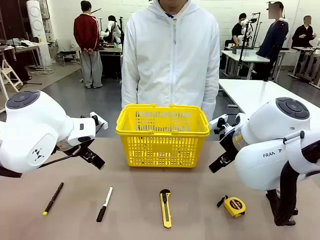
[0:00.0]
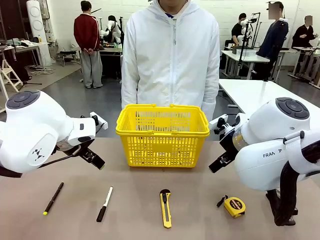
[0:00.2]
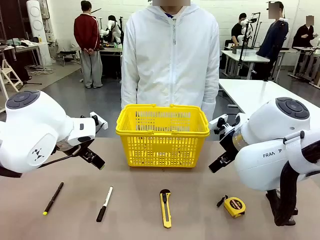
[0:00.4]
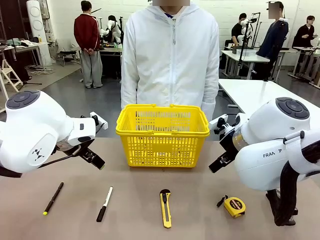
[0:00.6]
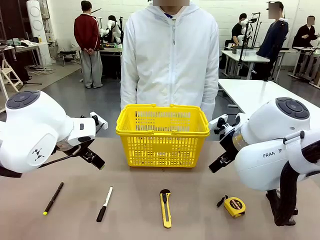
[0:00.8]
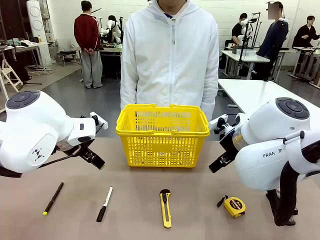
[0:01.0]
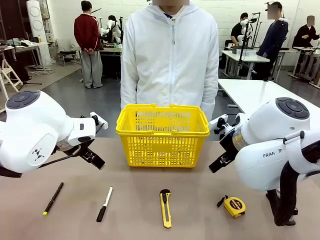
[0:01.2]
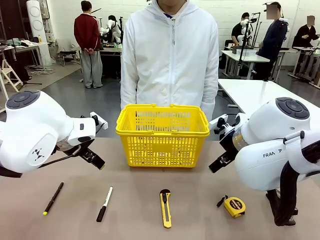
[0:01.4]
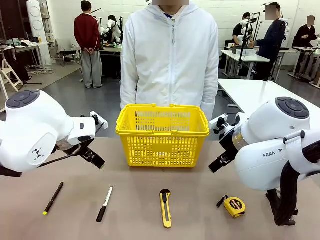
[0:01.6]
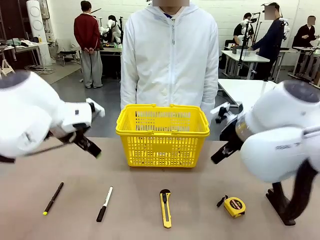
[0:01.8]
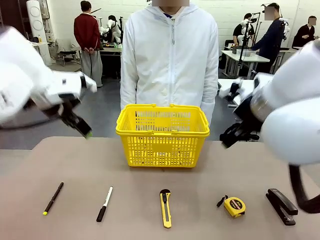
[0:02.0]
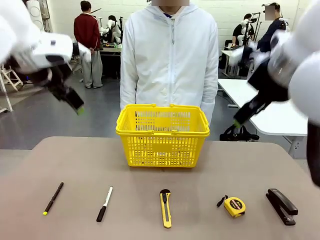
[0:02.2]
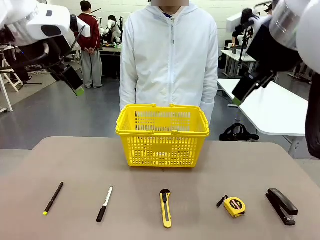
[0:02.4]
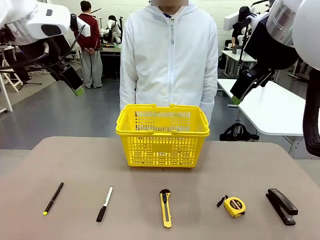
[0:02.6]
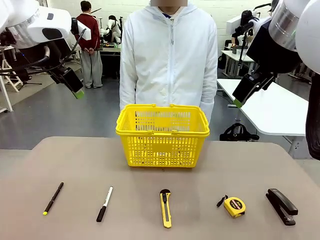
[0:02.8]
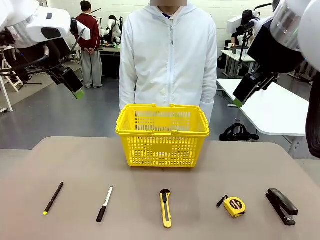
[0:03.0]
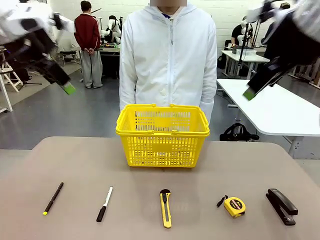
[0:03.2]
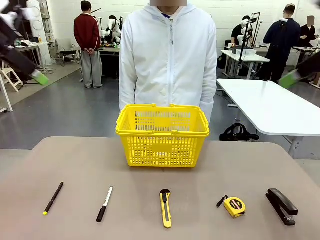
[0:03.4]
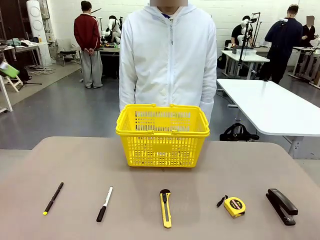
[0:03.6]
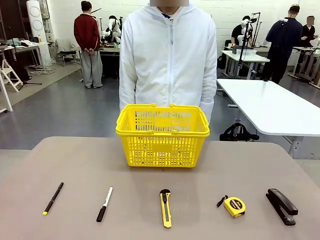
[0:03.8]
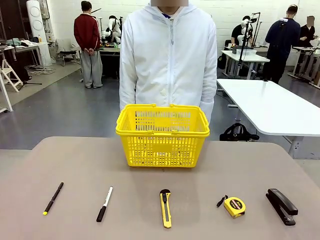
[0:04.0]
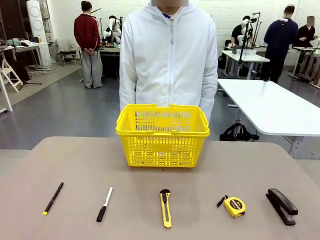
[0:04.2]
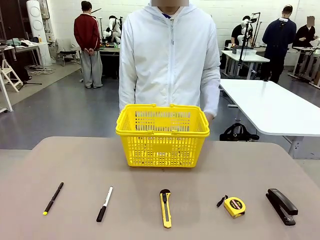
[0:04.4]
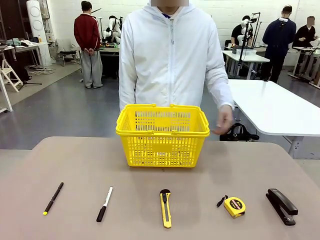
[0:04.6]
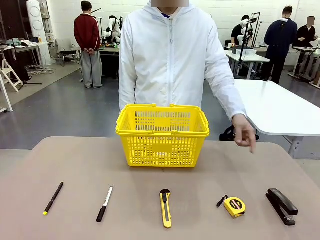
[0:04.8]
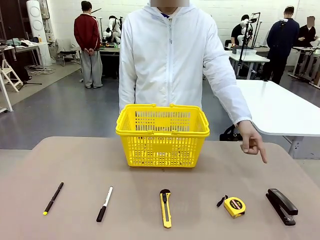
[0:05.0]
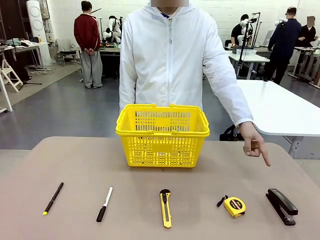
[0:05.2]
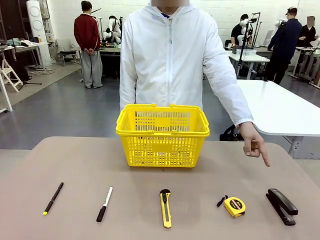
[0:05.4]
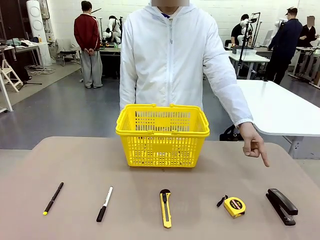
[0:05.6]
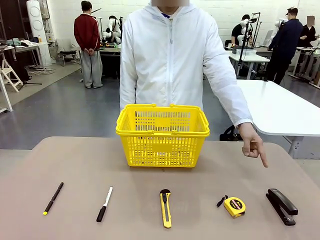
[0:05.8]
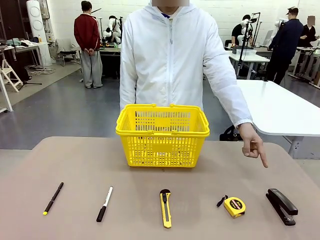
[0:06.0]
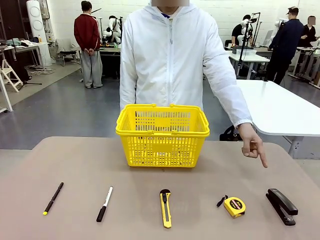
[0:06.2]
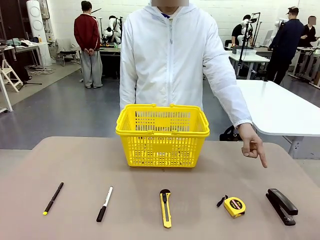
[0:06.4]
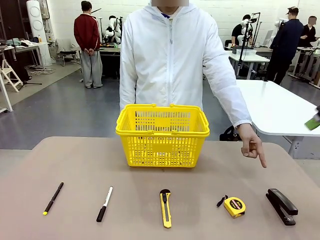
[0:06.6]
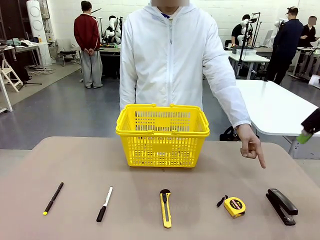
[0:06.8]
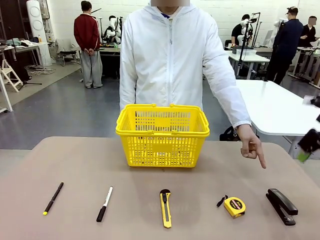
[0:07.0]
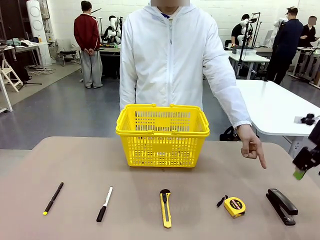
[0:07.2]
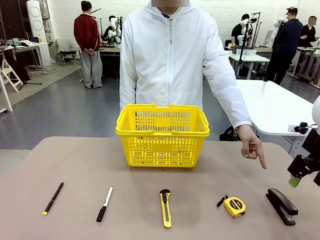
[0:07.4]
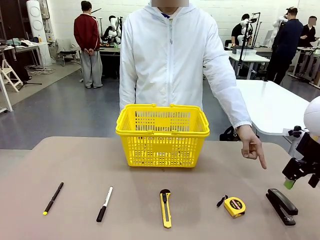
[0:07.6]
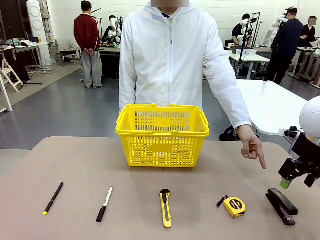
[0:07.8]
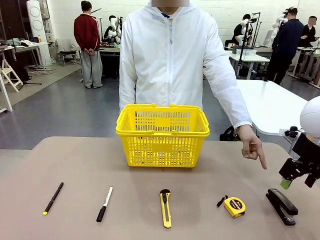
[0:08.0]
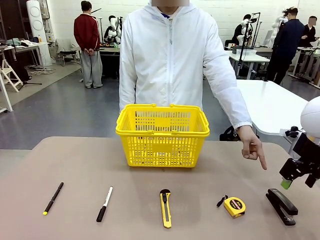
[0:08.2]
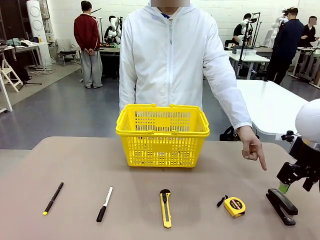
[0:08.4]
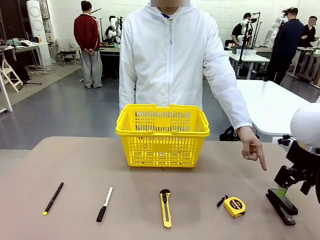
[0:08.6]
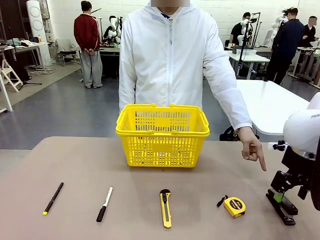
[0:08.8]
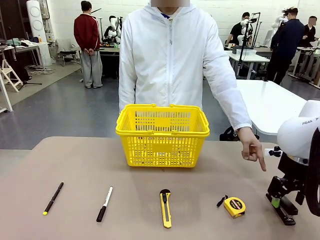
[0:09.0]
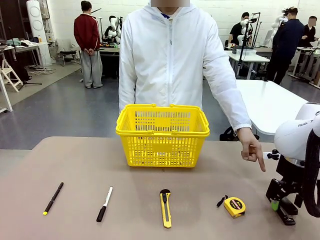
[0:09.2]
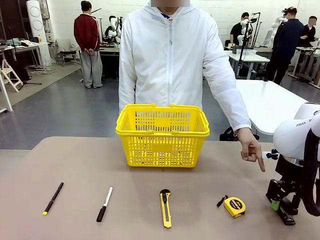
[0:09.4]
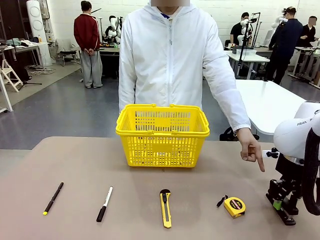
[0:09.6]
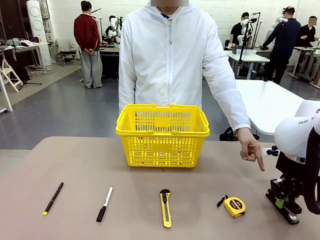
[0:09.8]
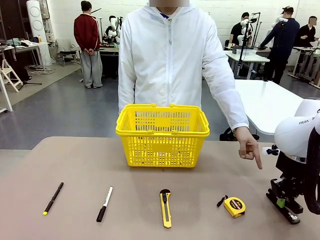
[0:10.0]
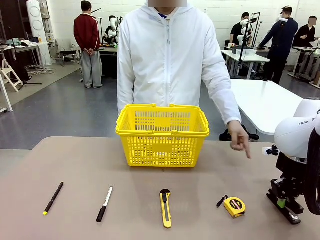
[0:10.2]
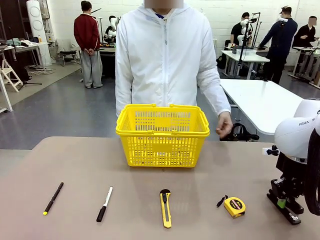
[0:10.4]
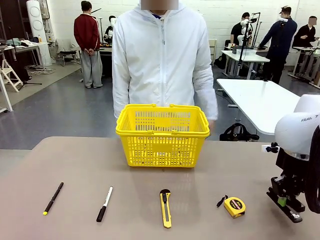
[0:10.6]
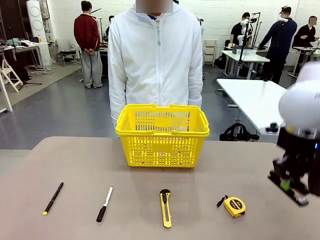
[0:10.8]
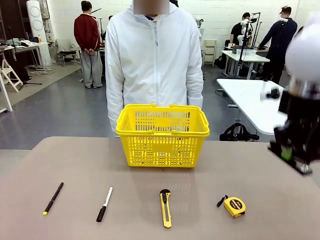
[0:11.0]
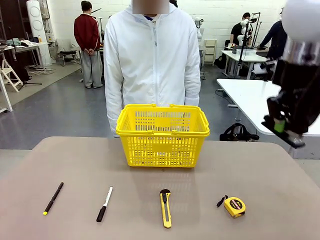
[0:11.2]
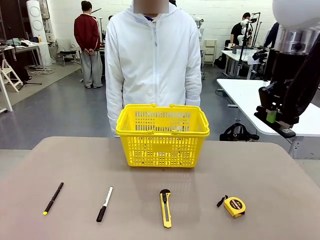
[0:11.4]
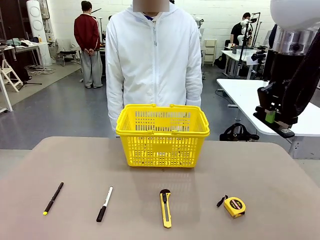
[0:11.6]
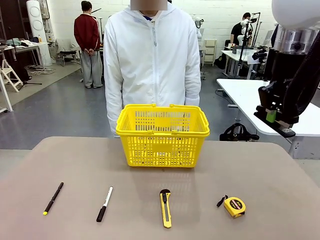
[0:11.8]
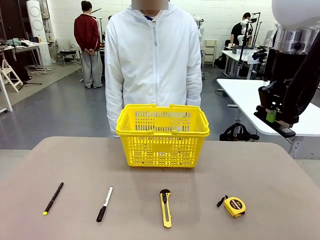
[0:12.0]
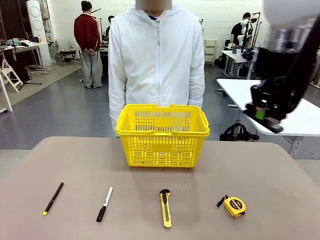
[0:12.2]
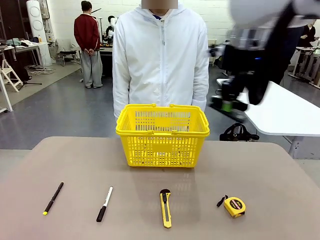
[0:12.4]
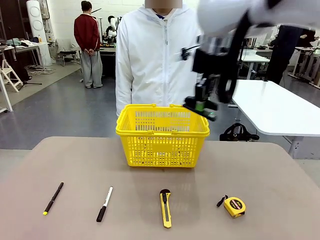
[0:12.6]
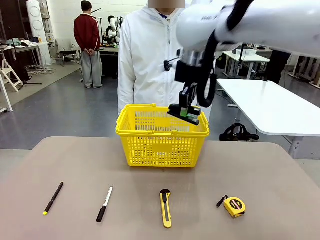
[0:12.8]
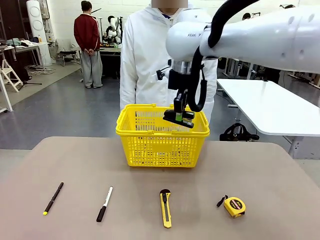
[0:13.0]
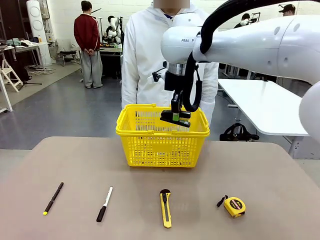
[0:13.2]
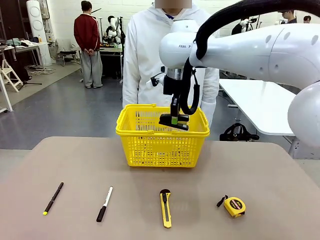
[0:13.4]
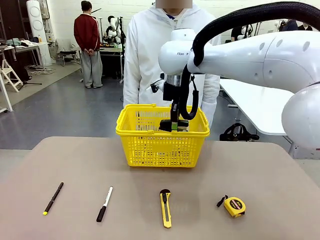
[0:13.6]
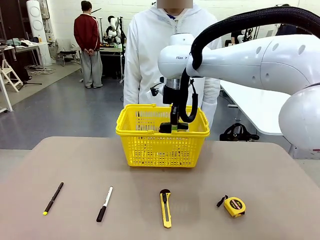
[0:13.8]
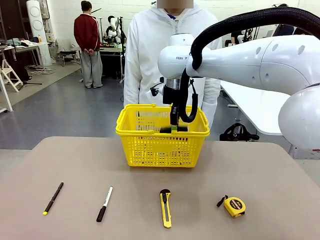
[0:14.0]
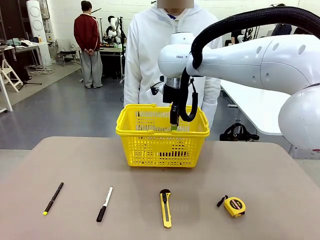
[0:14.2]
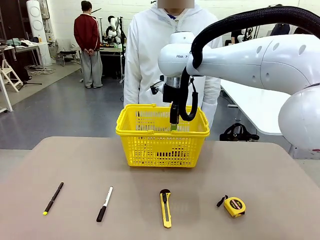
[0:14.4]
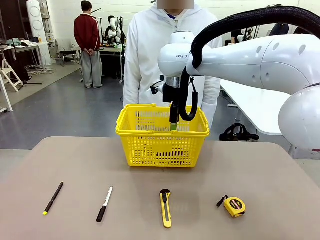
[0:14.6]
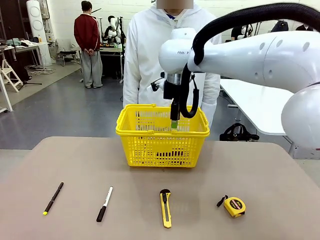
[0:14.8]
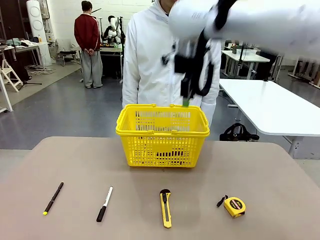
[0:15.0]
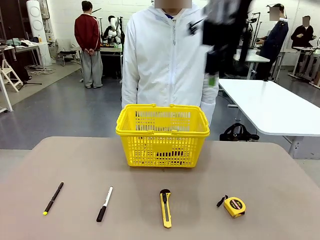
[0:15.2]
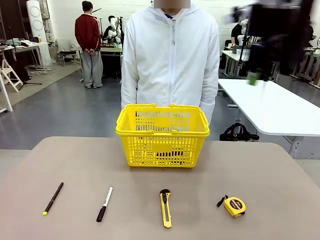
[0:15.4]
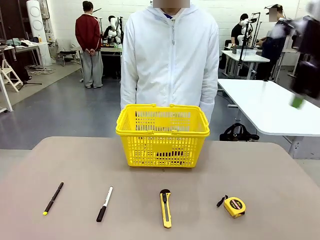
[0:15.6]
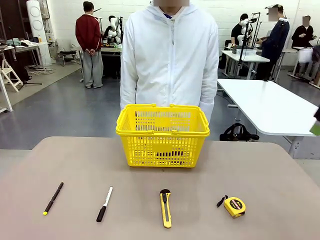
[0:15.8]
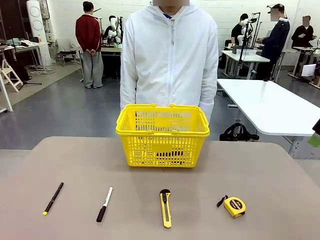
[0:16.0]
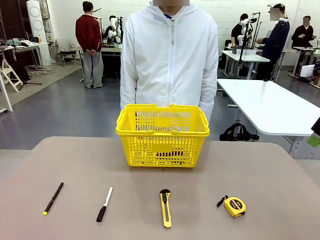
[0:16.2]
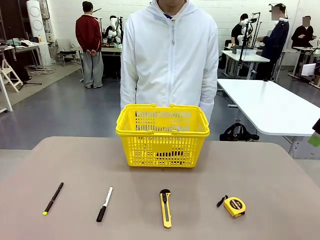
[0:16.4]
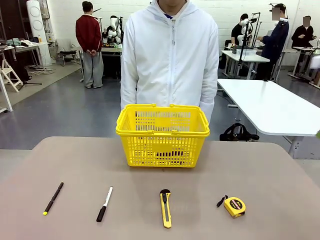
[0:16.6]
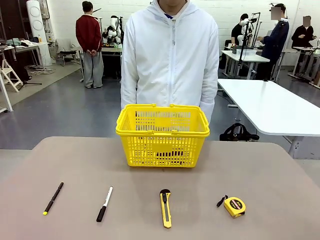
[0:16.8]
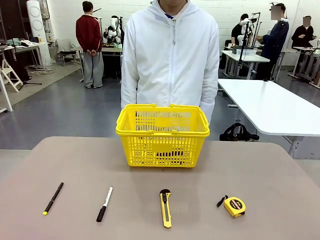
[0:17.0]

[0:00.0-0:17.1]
Task: Place the items the person wants into the basket.
Robot: Pick up the item the person points to and place it in the Market Basket.
